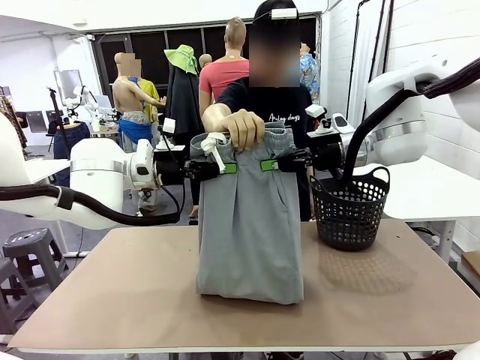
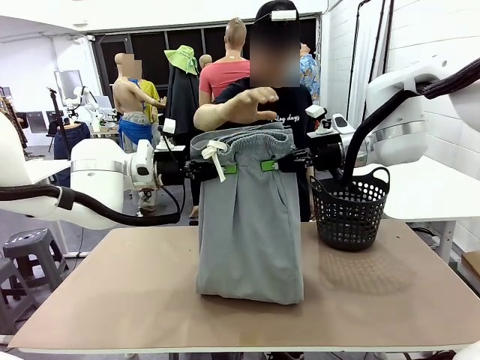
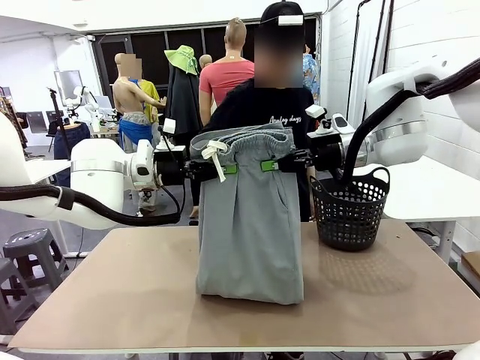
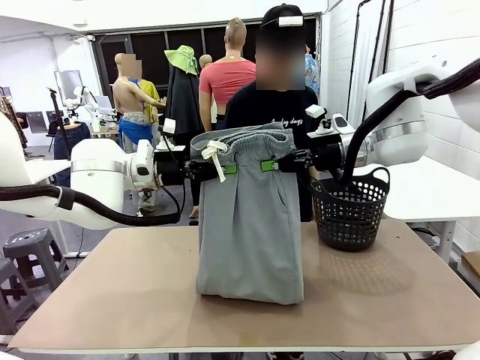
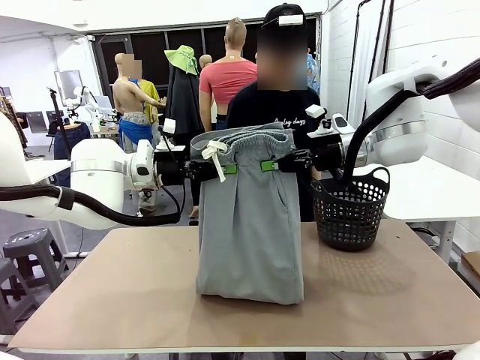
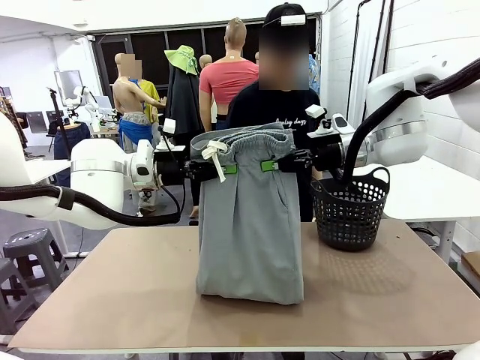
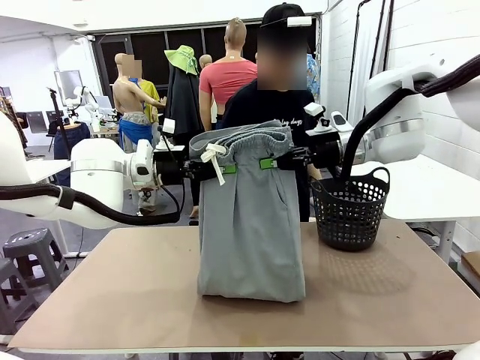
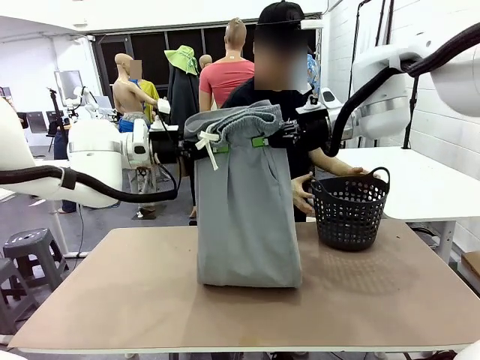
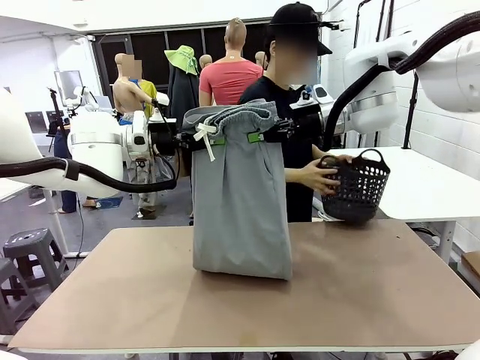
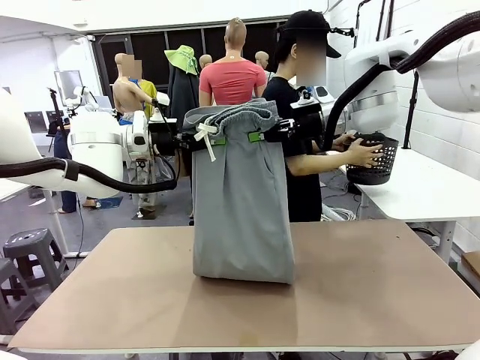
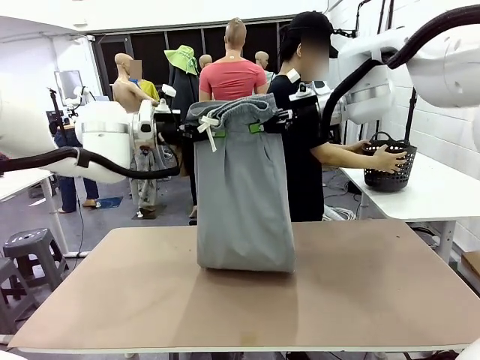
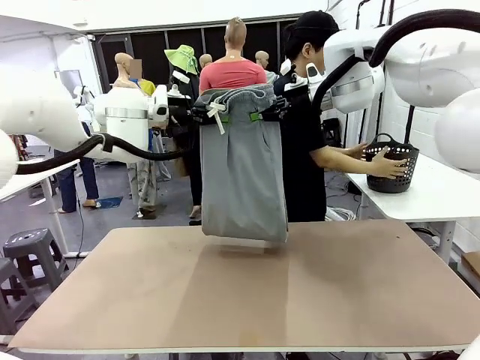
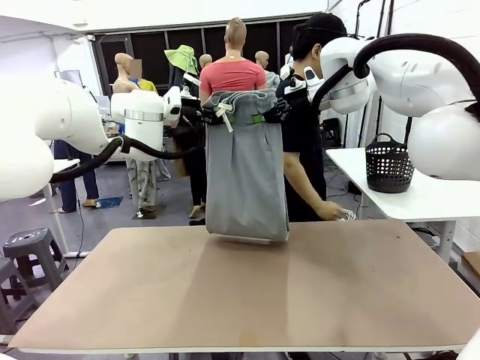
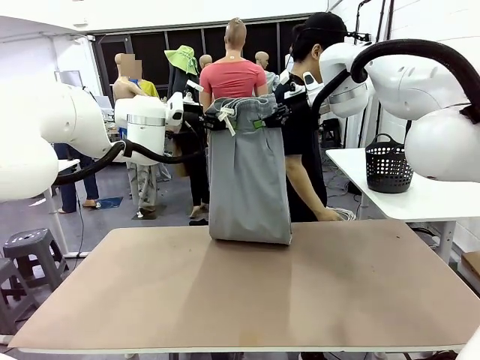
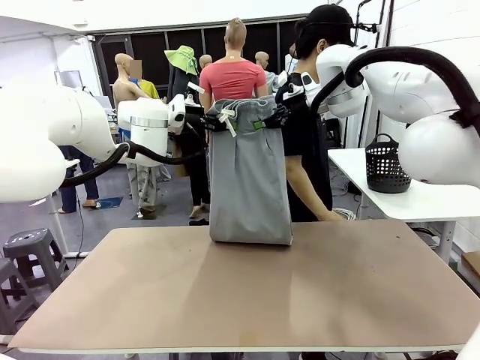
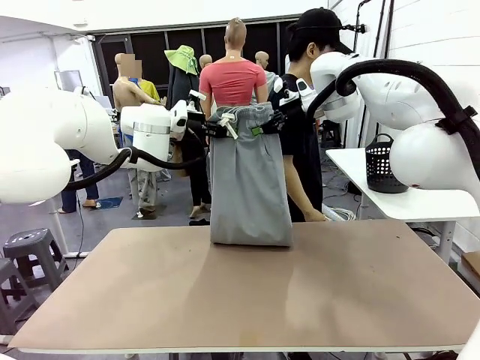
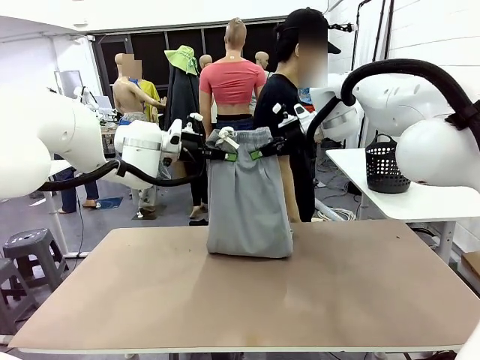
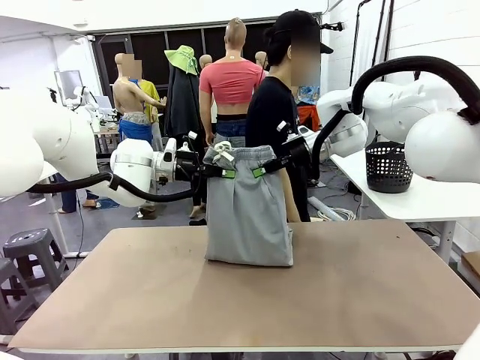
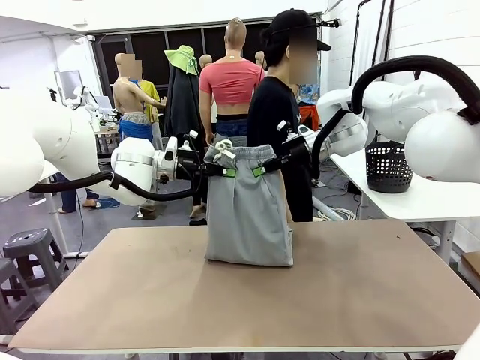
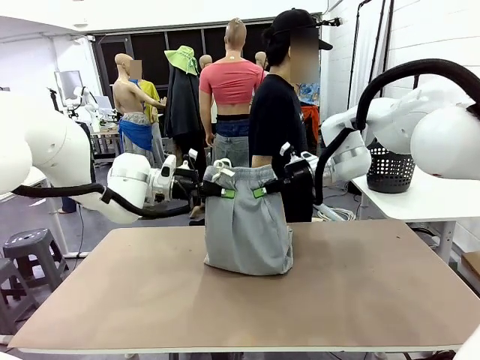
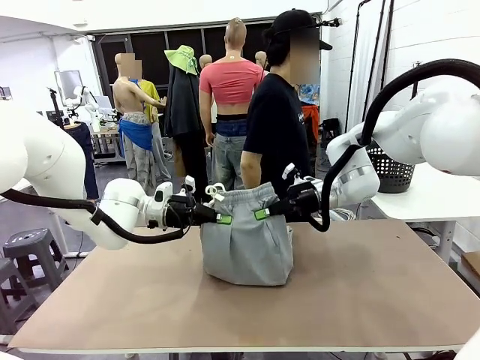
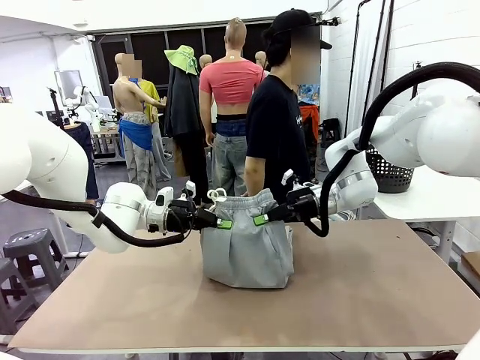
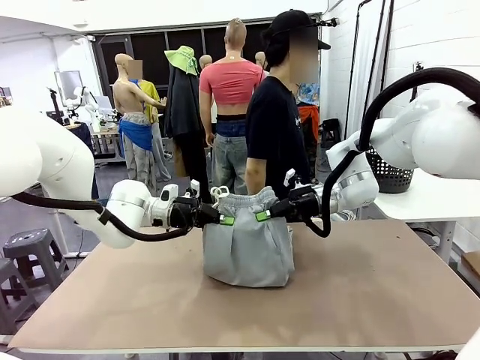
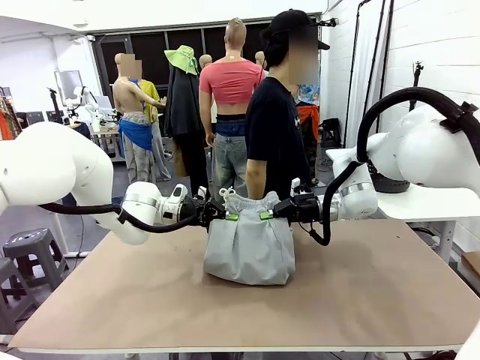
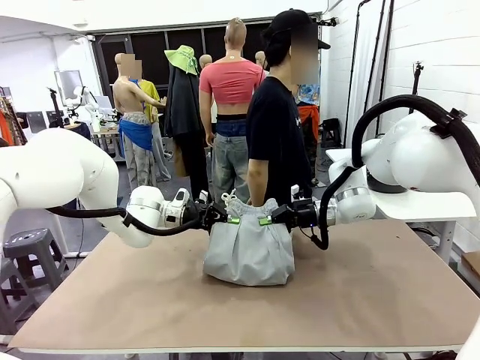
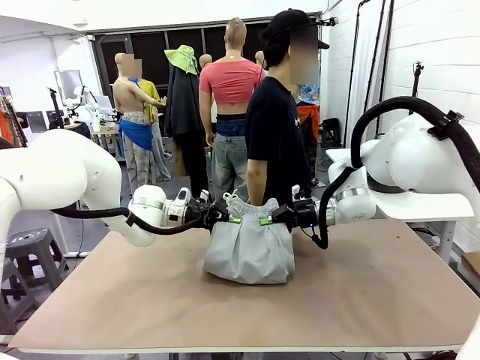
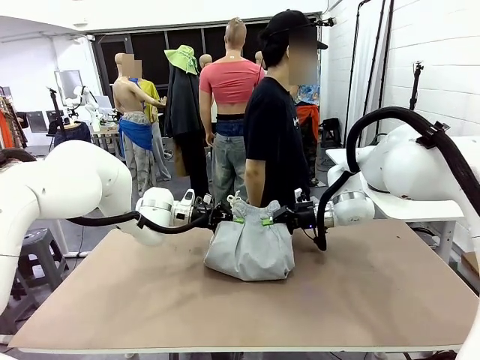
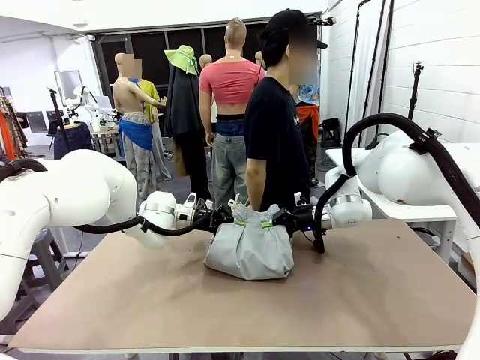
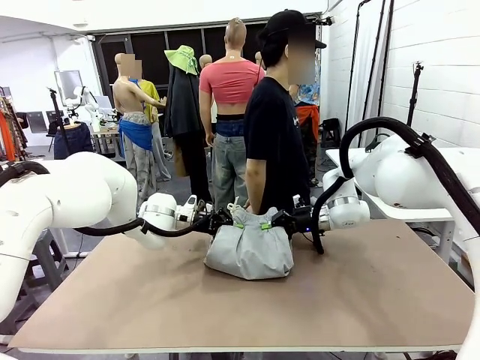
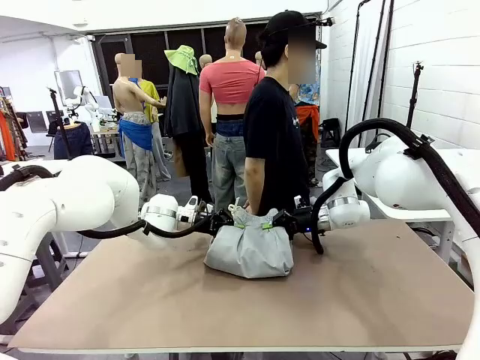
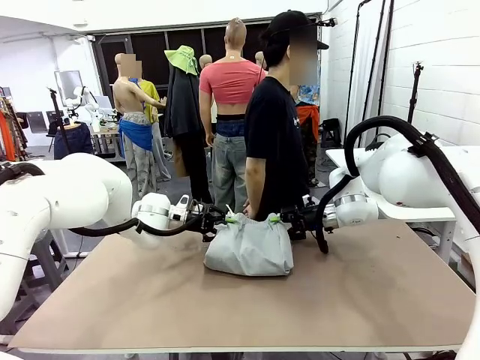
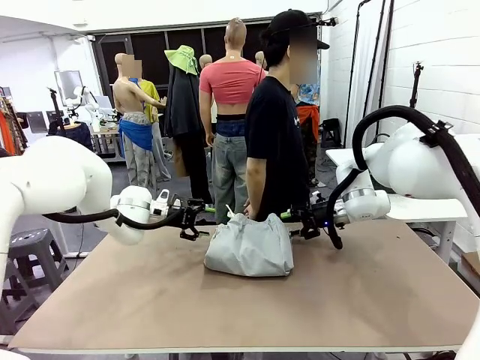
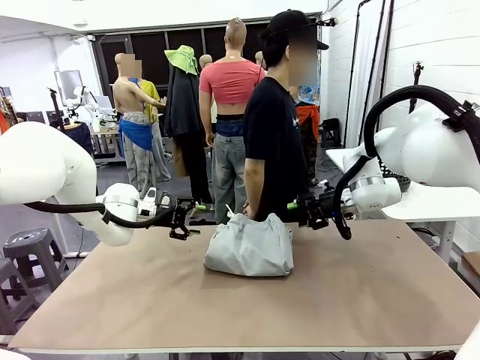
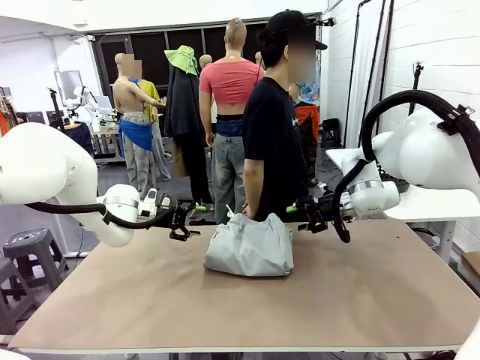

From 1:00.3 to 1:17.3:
Task: Fold the training pants.
Robot: Fold the Training pants in half.
Person: Move the laundry basket to the right of the human table.

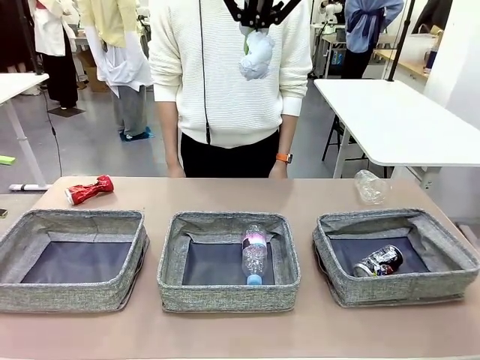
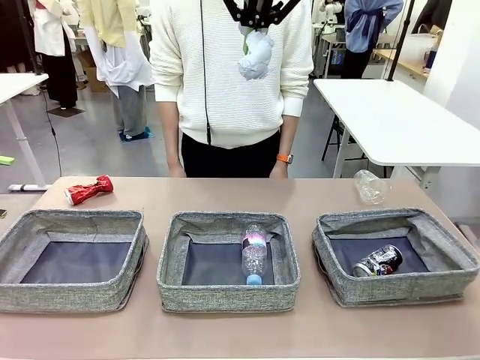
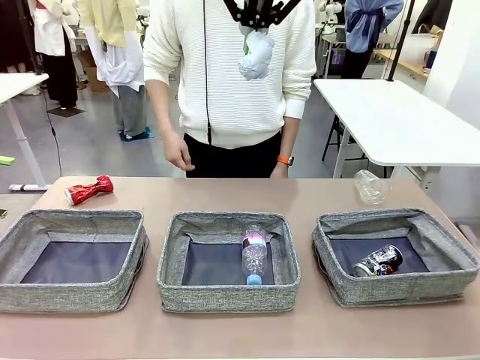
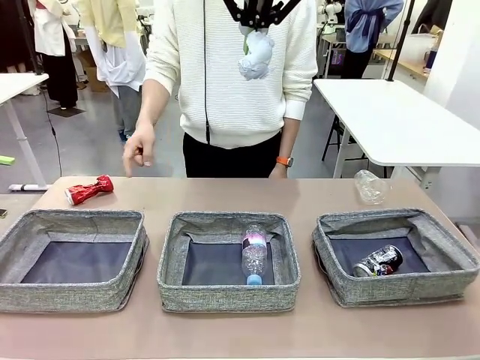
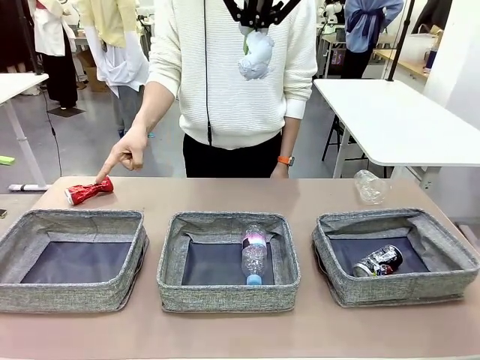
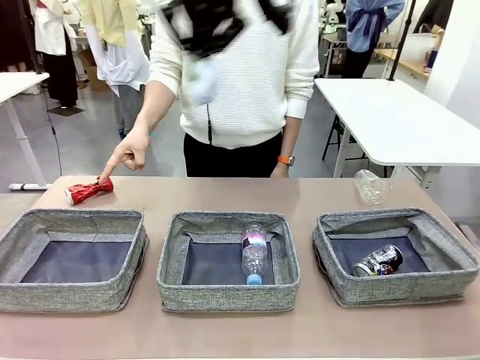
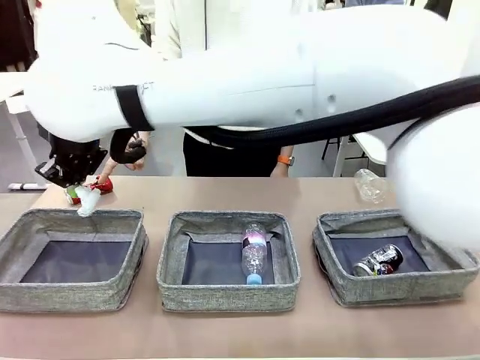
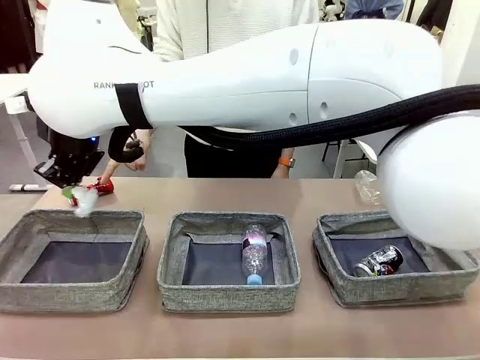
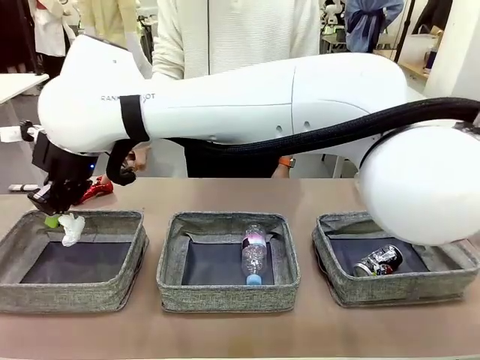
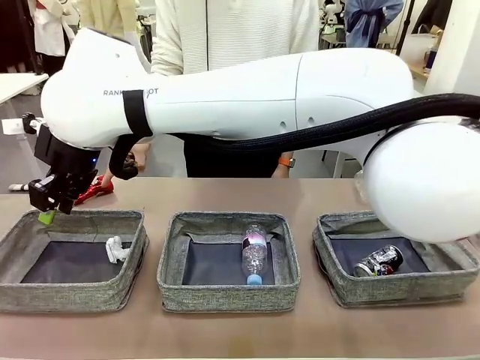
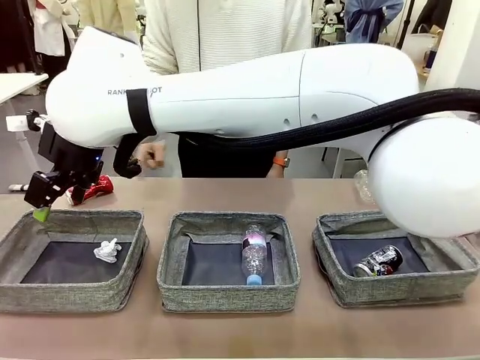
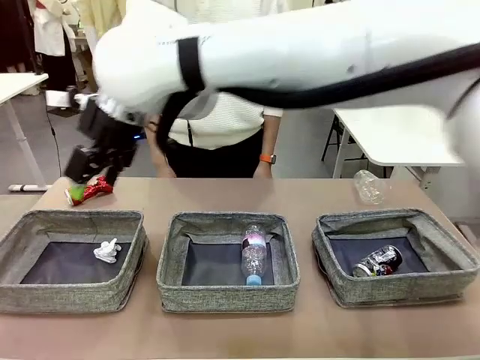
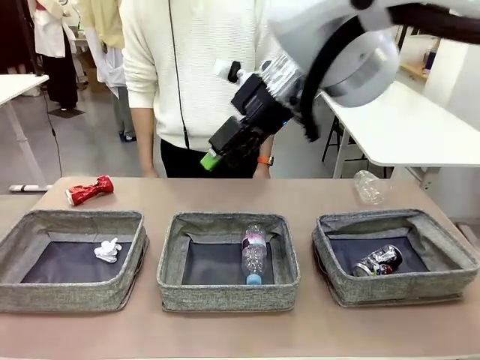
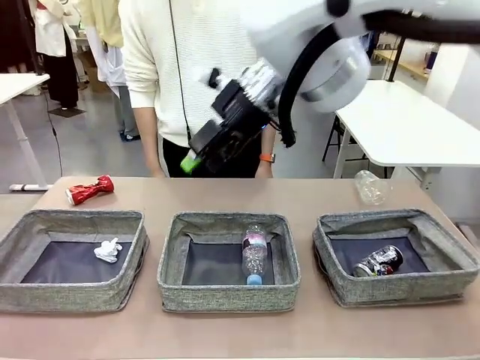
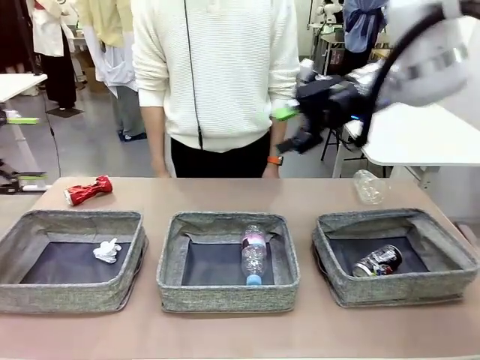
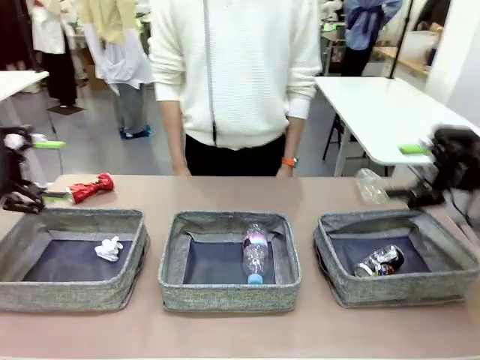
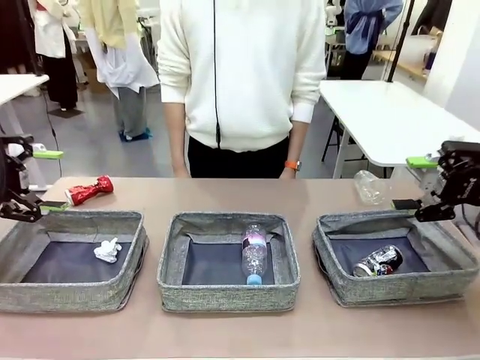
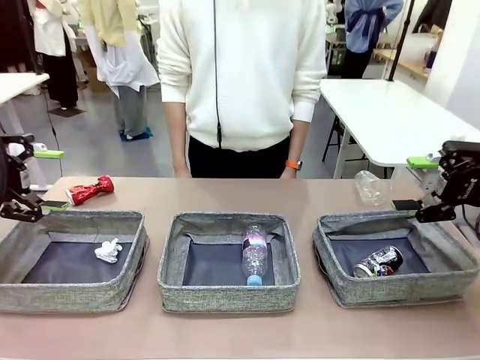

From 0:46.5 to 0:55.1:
Task: Sort the waste into the appropriate baskets.
Robot: Place the picked waste into the Fabric basket indicated by the person.
Person: Instructs the robot to place the picked-up trash into the appropriate organizing basket.
